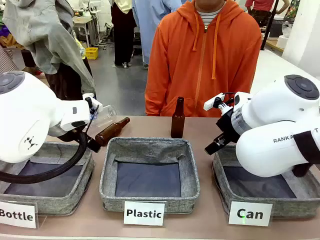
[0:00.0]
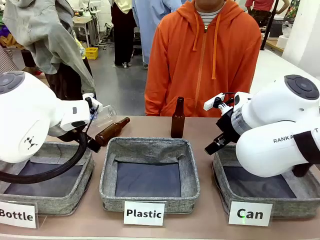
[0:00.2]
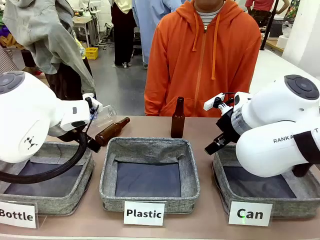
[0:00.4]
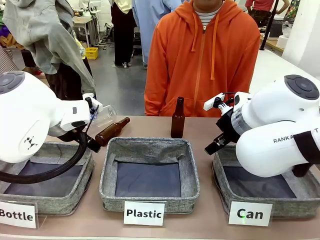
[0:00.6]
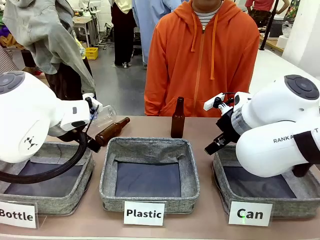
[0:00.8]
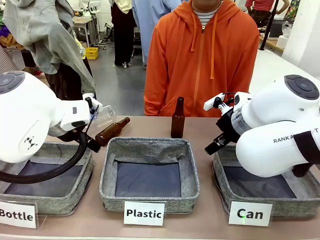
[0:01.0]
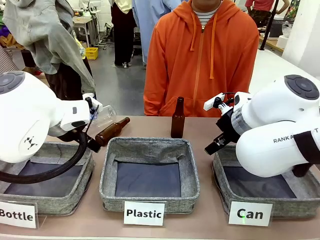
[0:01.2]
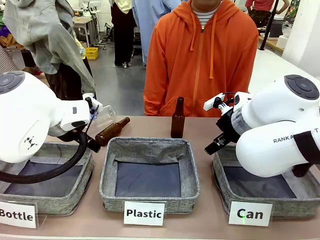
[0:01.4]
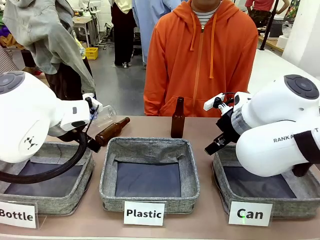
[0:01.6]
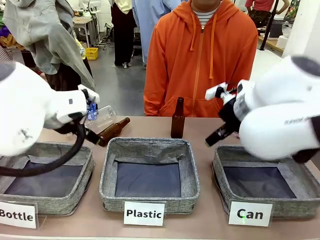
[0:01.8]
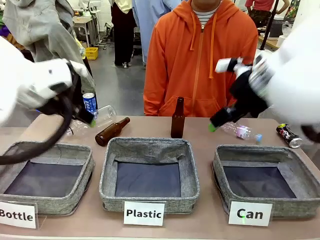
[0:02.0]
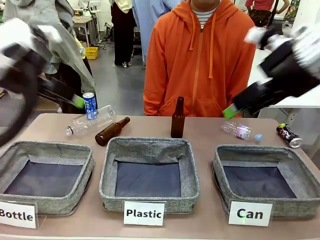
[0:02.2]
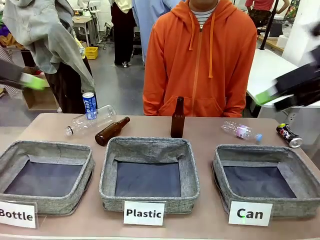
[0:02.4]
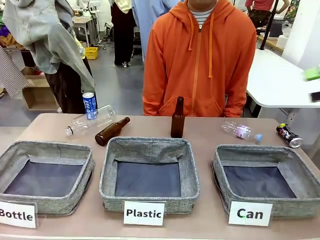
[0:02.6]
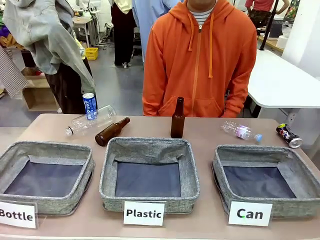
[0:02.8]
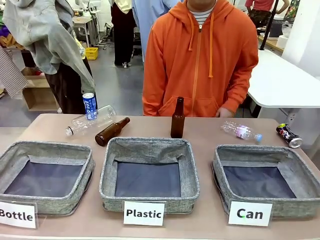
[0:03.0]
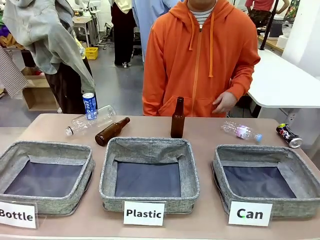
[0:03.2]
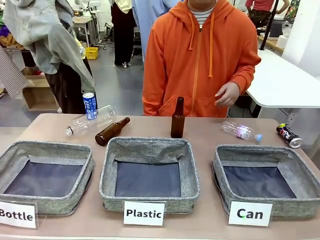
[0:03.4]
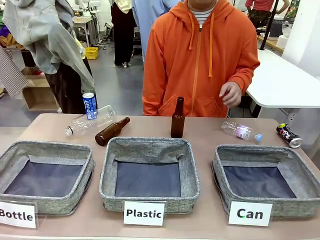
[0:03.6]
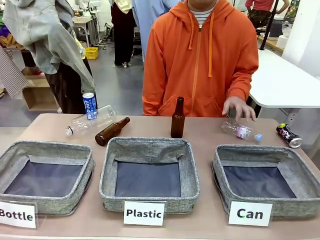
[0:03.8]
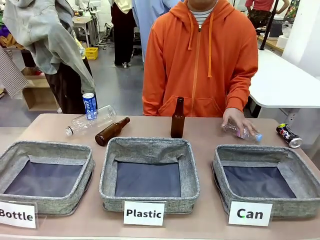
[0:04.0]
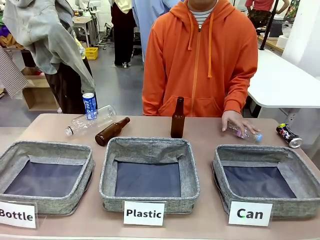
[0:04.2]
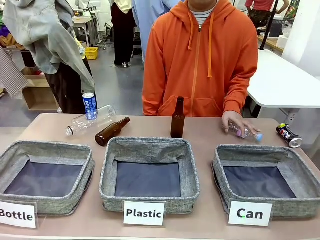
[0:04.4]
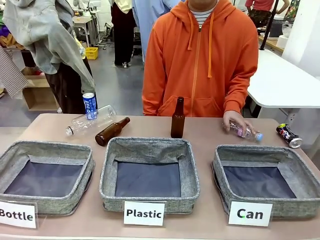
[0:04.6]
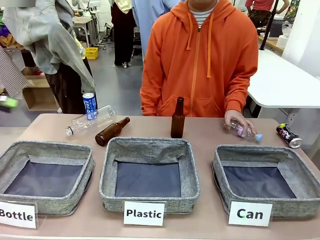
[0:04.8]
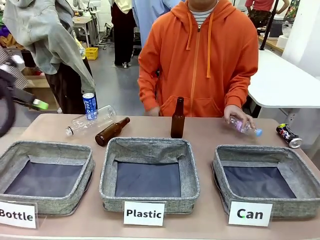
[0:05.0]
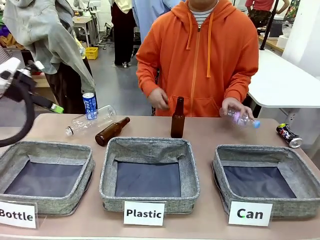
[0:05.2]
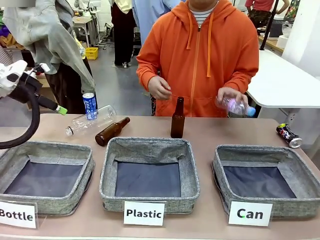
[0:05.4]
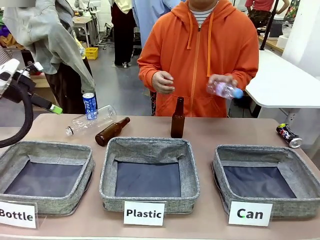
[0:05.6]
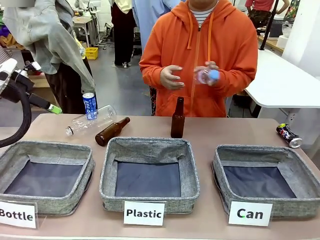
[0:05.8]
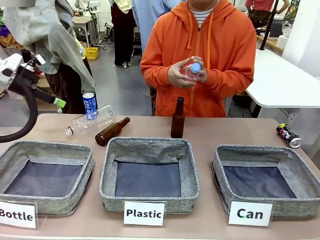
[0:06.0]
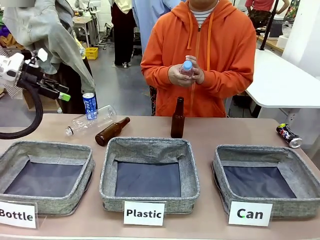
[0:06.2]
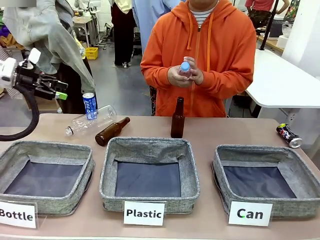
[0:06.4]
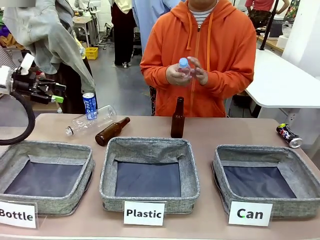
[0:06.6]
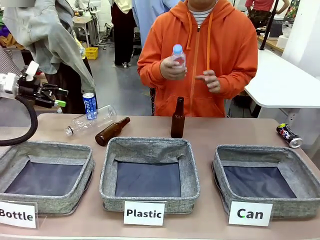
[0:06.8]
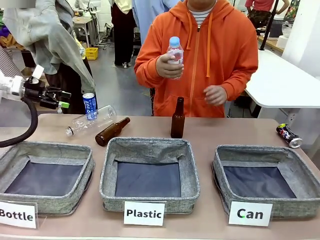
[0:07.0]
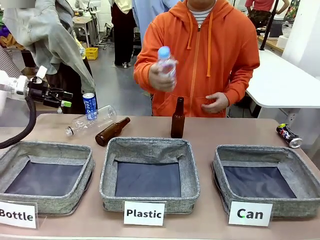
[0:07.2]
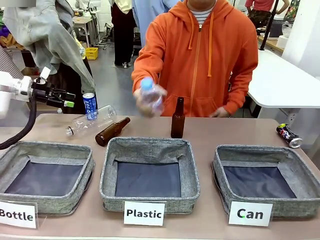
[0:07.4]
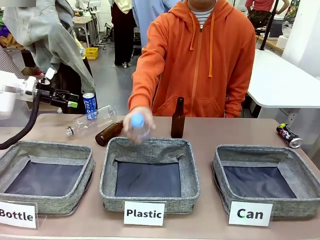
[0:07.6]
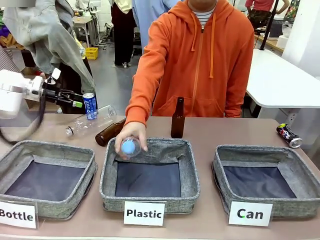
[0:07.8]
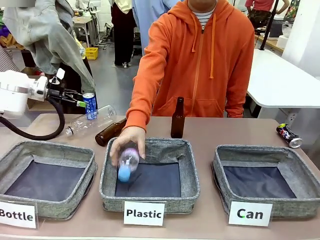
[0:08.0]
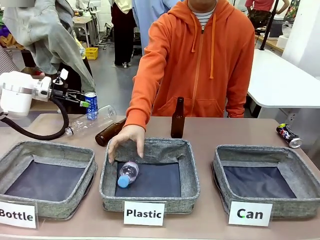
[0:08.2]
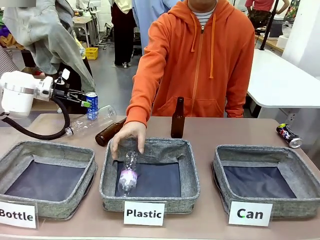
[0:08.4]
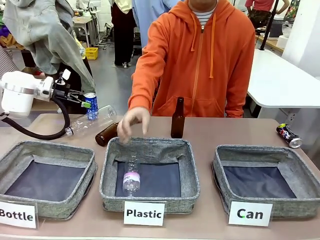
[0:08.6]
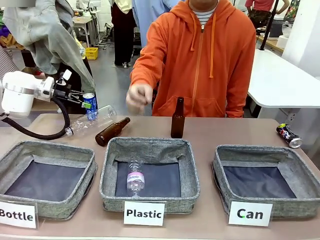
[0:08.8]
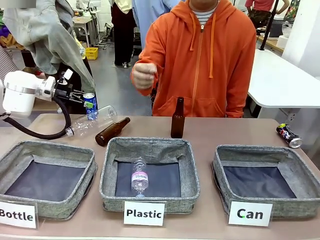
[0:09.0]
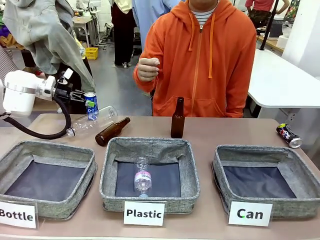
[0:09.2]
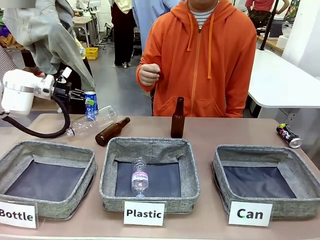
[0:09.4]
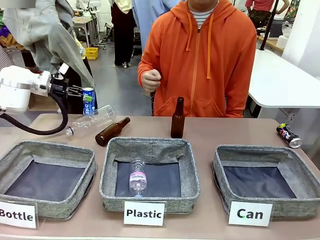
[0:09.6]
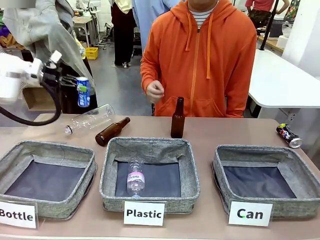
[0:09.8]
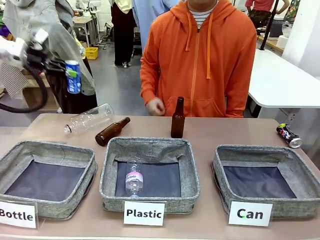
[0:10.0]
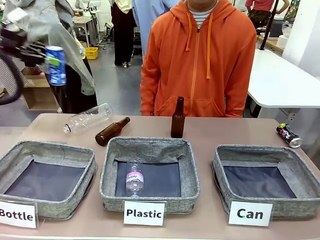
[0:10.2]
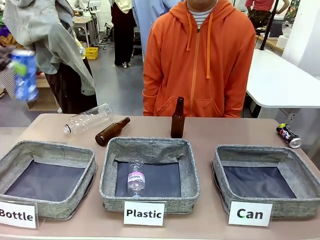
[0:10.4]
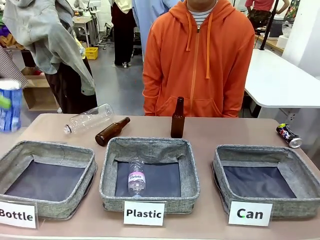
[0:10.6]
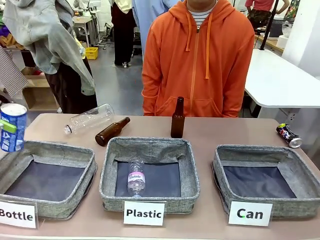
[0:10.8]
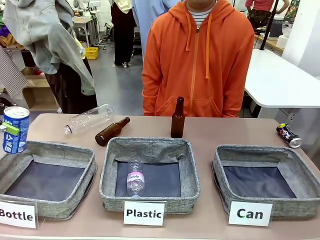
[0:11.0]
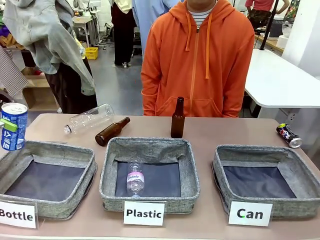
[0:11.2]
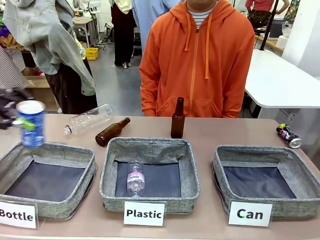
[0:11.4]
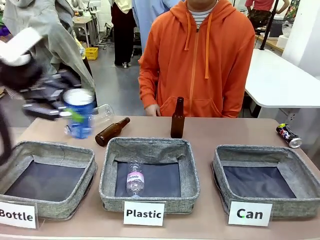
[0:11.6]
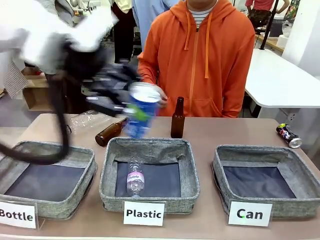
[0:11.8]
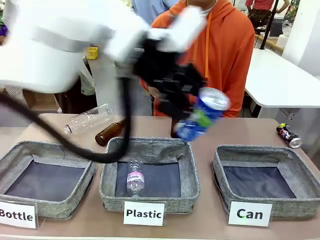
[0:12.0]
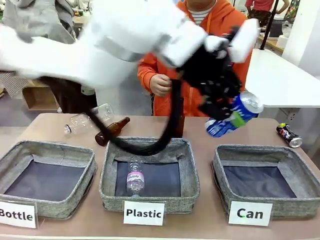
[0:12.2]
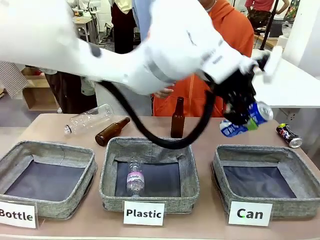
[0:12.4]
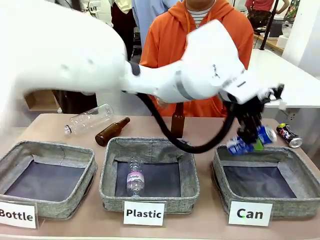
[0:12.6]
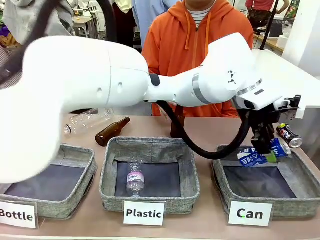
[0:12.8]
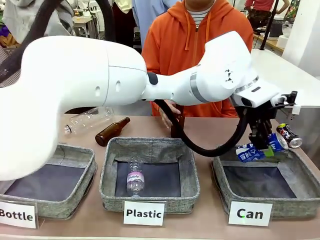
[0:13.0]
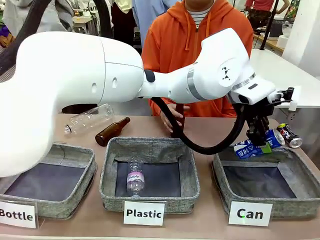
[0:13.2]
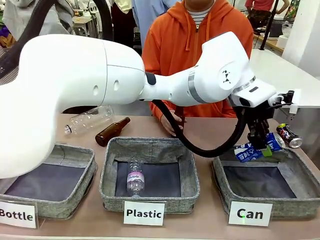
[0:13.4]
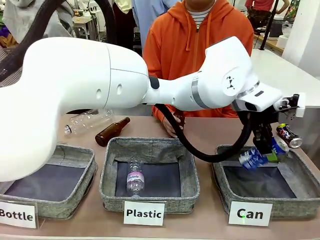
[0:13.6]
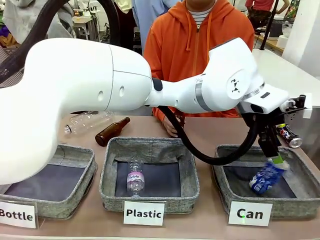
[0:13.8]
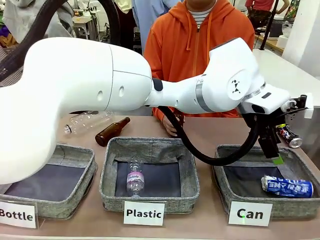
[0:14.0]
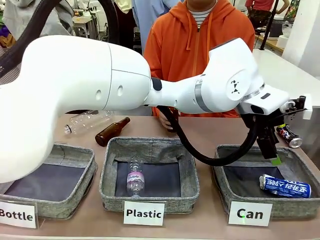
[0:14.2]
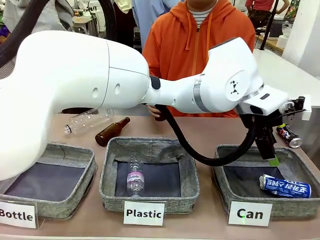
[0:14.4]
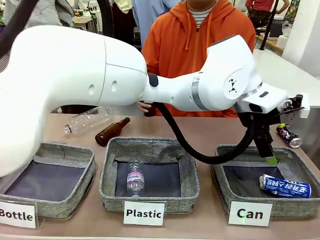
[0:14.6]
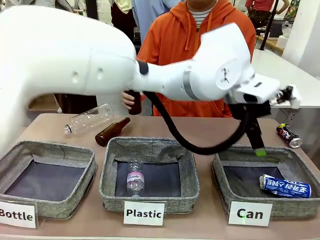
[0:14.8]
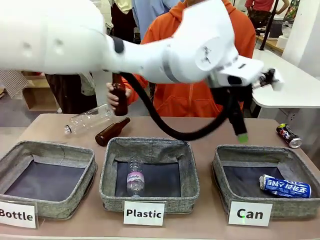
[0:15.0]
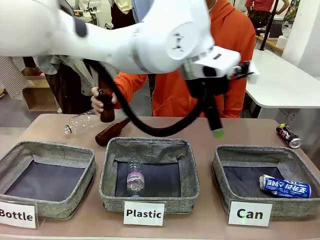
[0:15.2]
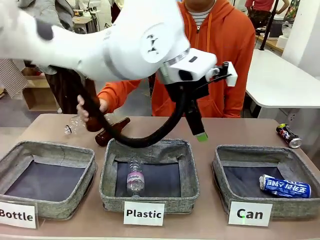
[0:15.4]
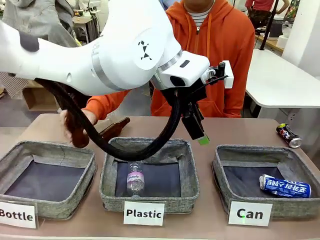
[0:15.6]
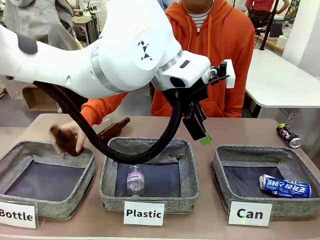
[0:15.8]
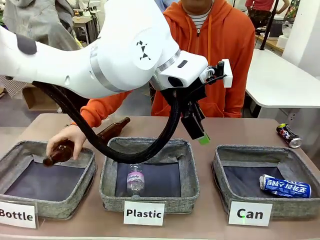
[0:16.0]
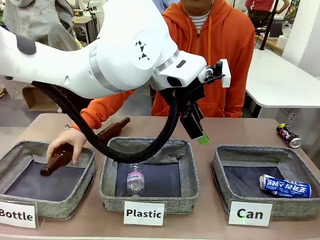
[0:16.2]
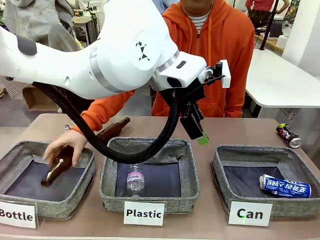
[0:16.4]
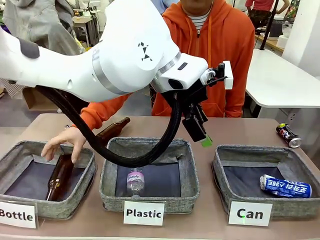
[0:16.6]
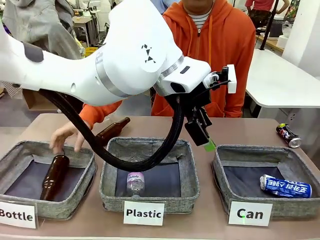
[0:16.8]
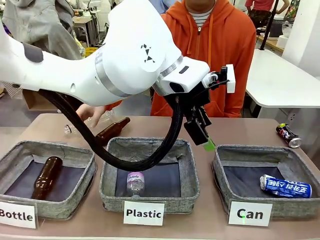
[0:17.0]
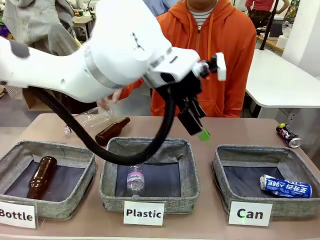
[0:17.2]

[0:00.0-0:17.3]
Task: Sort the can waste into the basket.
Robot: Pick up the can waste from the table and place it in the right Fabric basket.
